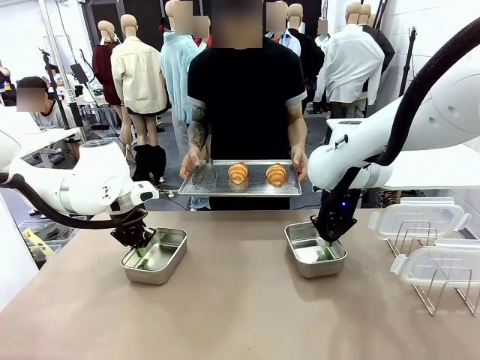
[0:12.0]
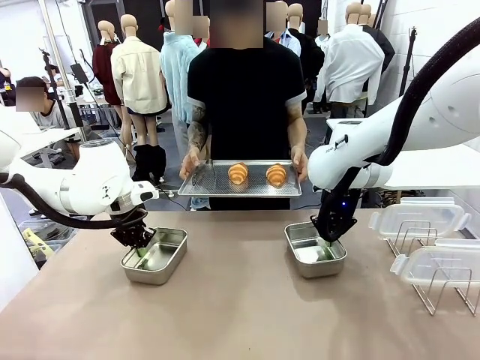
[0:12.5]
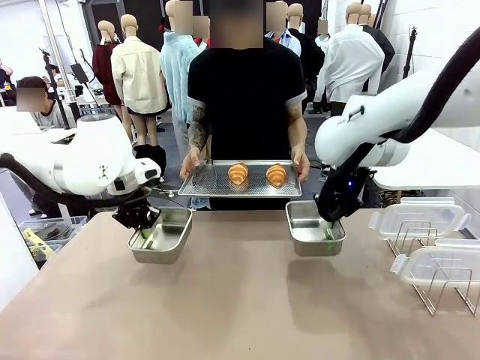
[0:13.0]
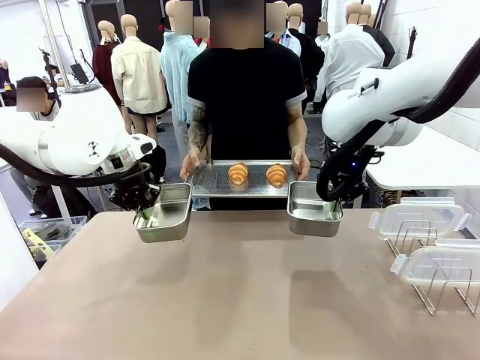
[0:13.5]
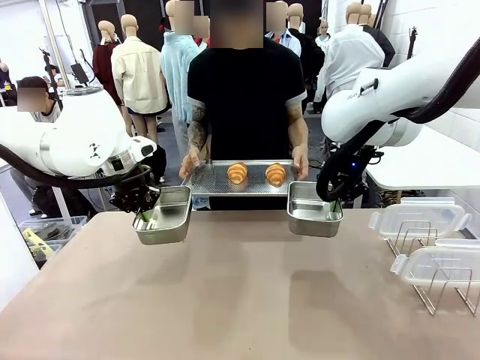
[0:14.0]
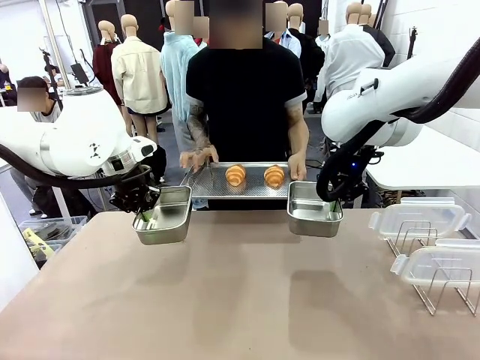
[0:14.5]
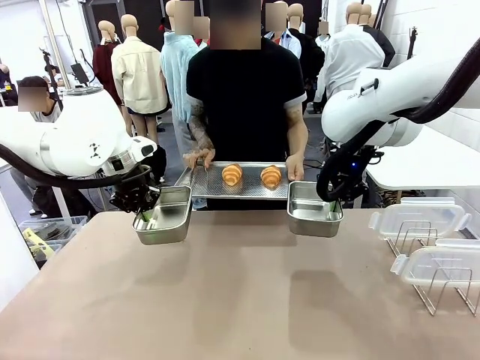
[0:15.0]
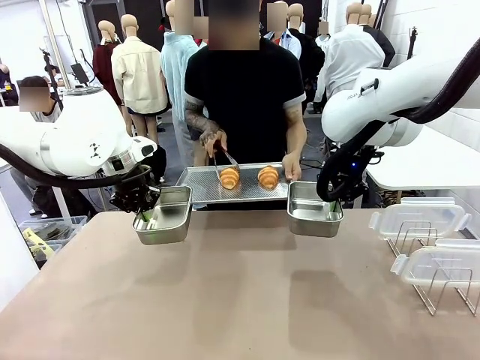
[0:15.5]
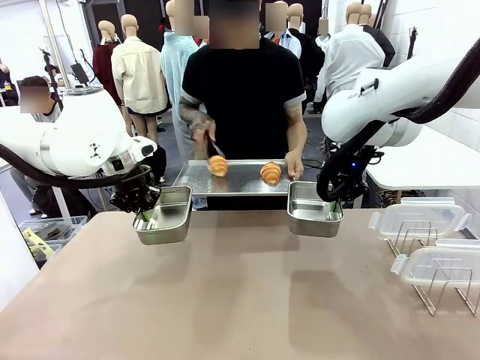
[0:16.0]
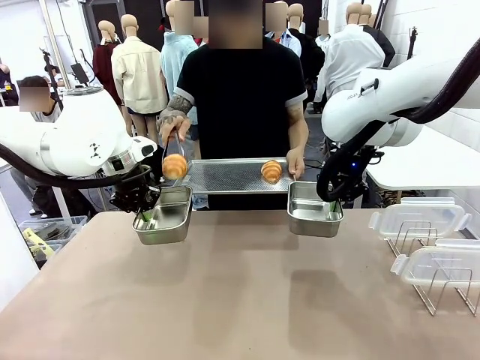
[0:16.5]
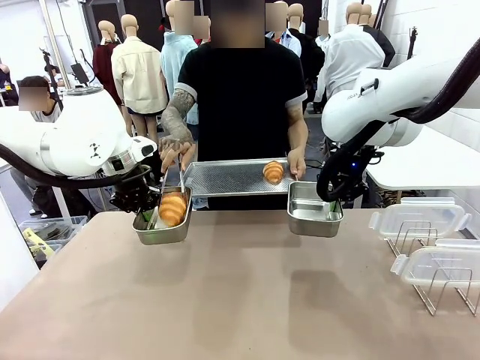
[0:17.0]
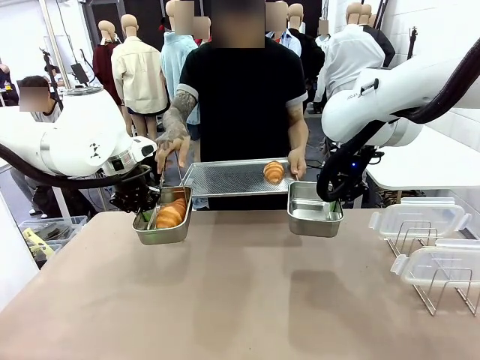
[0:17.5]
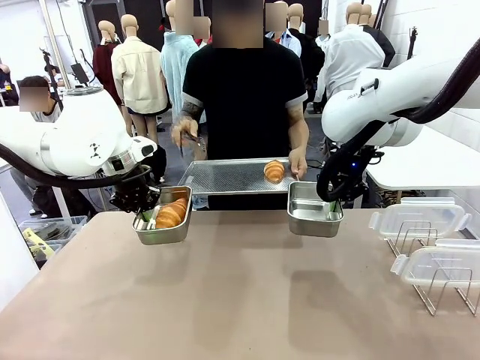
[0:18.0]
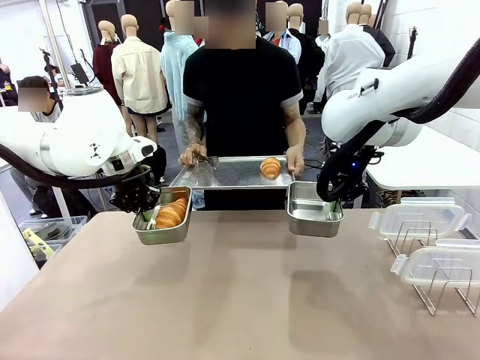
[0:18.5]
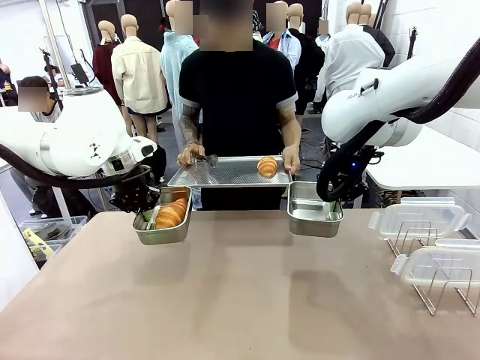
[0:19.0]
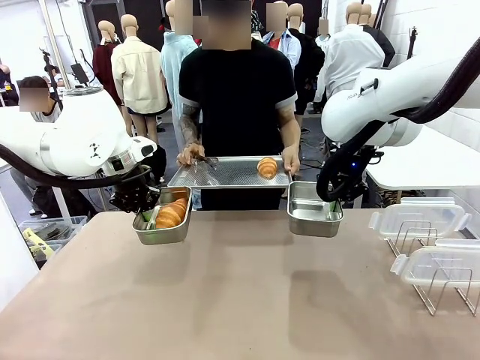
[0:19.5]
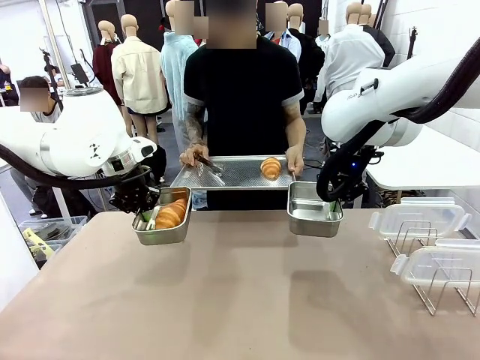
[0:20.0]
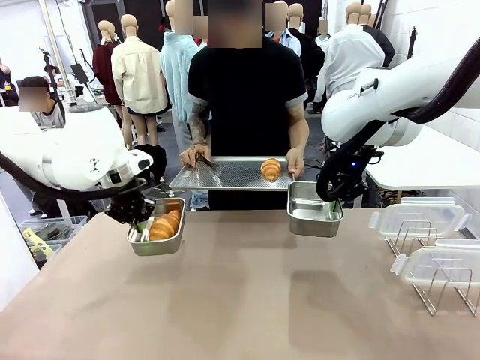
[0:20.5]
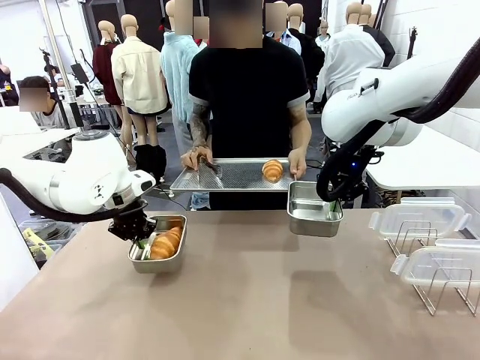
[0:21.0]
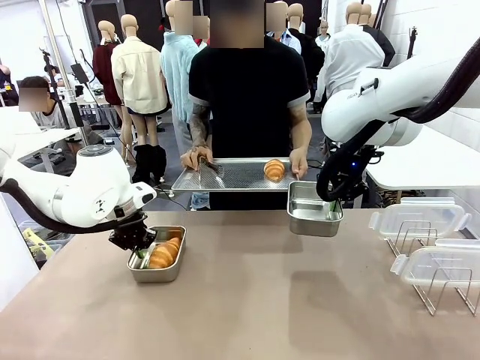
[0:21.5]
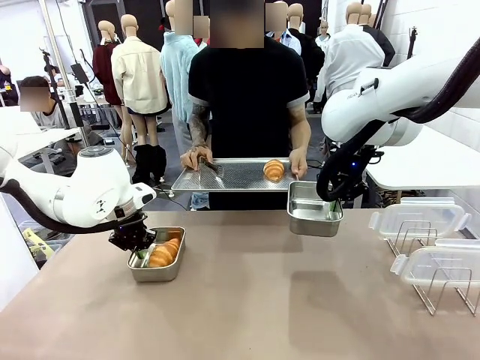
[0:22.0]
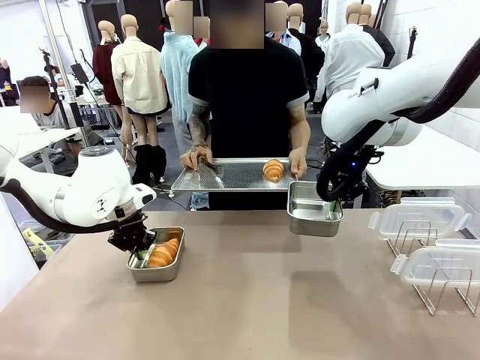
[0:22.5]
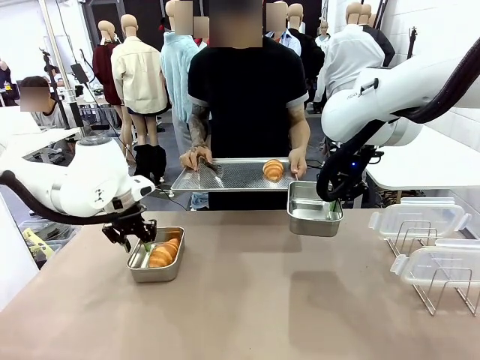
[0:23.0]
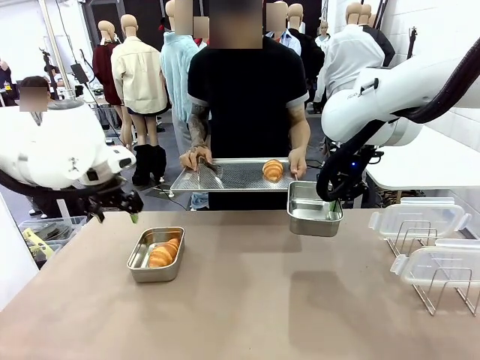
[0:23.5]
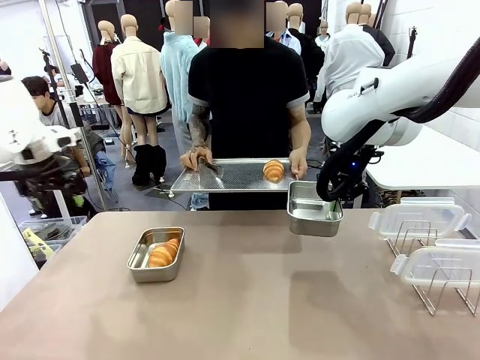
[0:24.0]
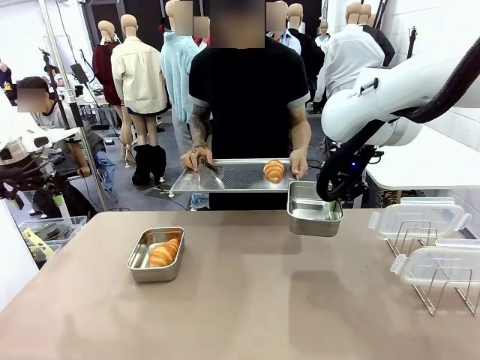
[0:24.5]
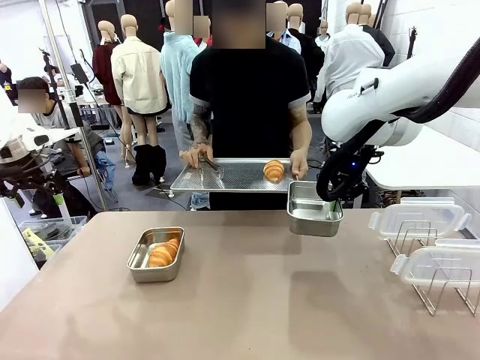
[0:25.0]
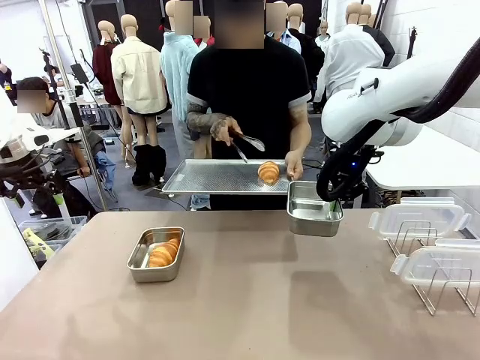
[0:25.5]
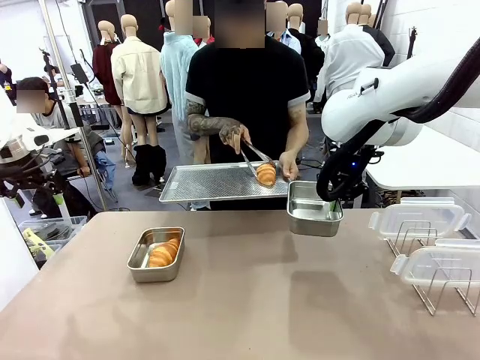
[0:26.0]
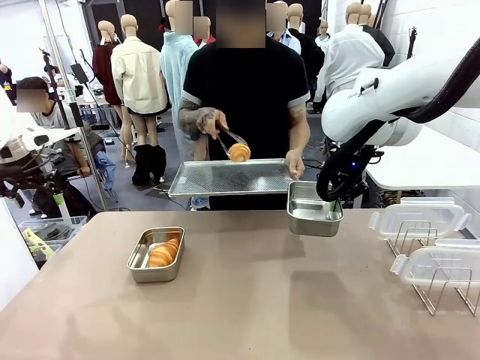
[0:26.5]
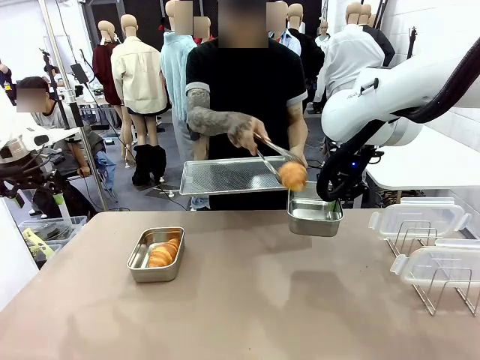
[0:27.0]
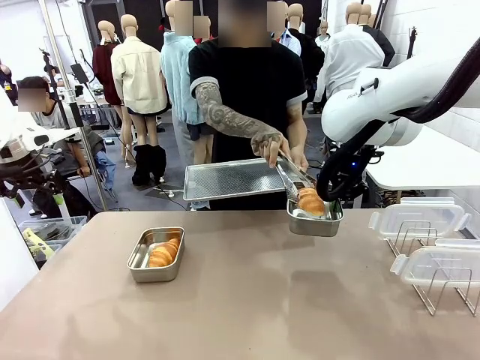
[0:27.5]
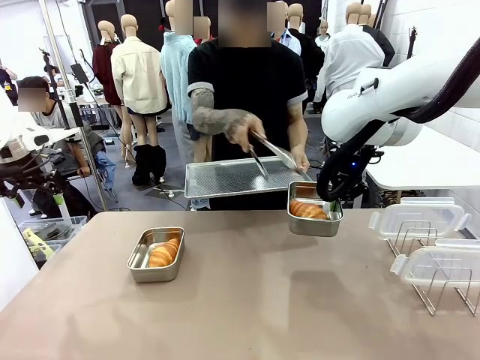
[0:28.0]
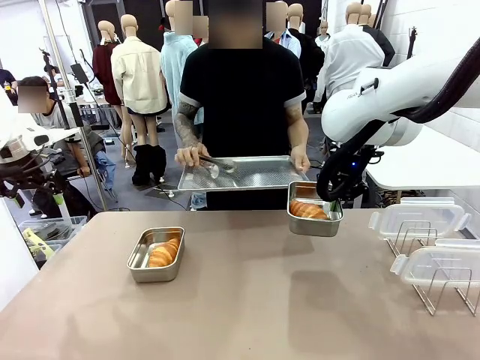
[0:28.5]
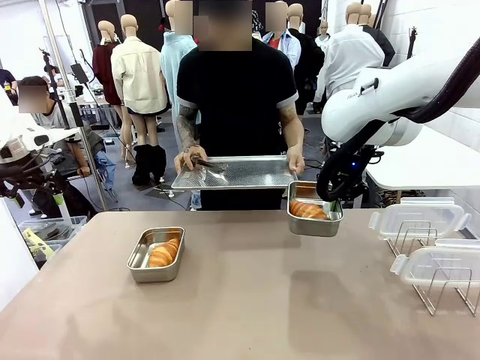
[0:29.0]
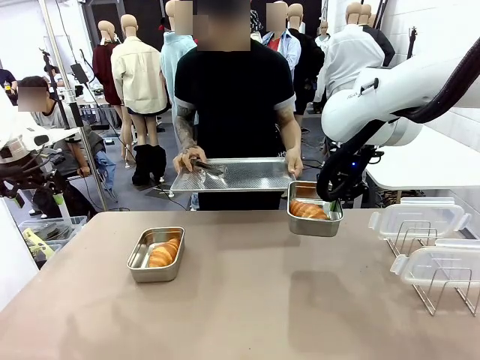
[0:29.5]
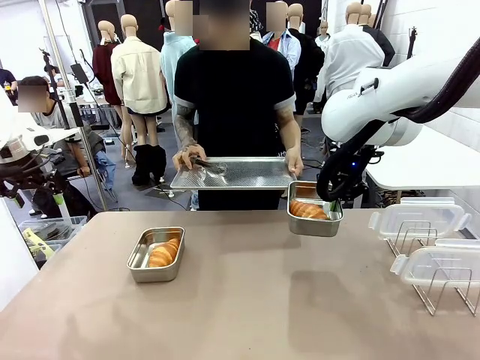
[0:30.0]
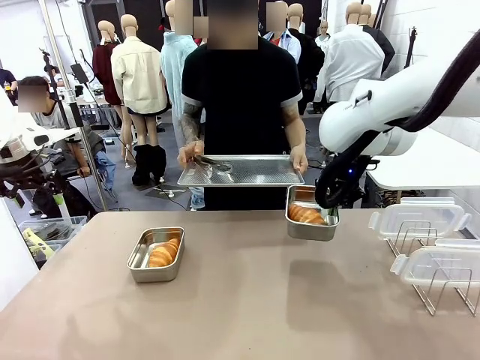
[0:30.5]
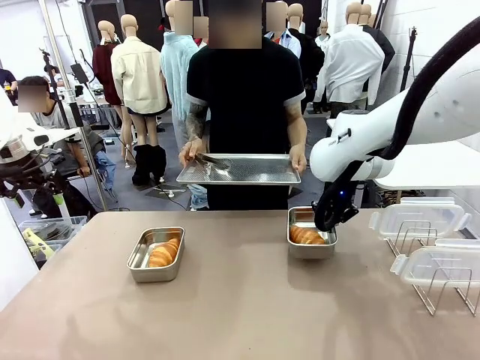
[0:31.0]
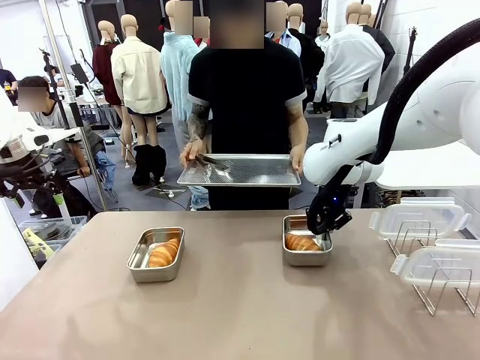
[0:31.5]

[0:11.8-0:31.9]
Task: Place the bread in airtight containers.
Robot: Once an object is inside an Airtight Container , place the container in the center of the table.
Person: Use the Stainless steel tongs to place one object from Baking Sheet into one Airtight Container.

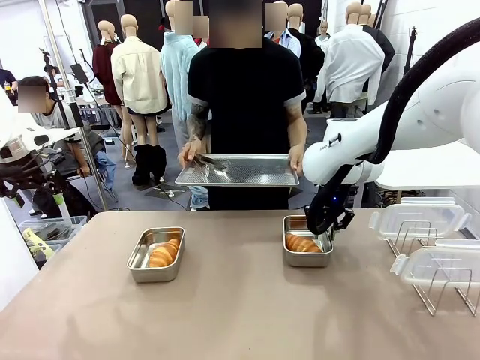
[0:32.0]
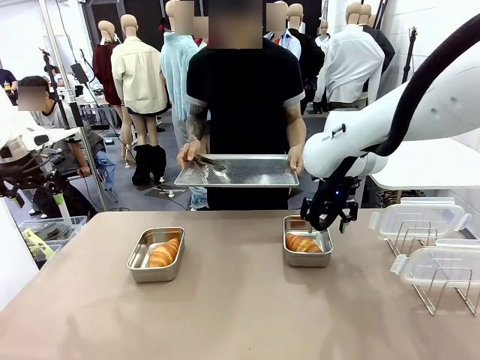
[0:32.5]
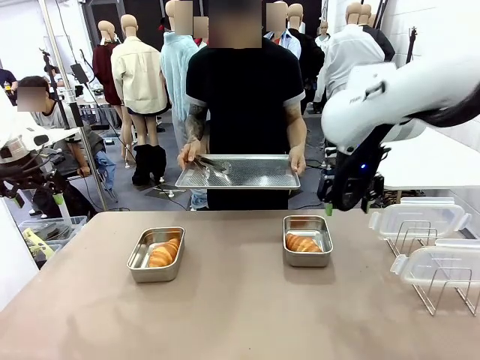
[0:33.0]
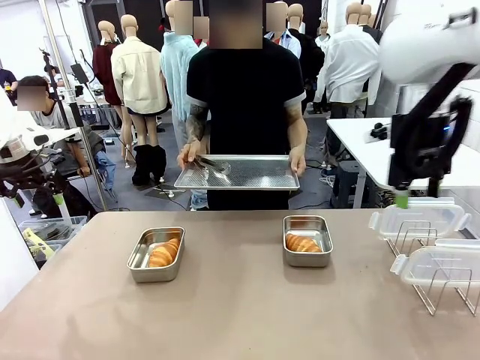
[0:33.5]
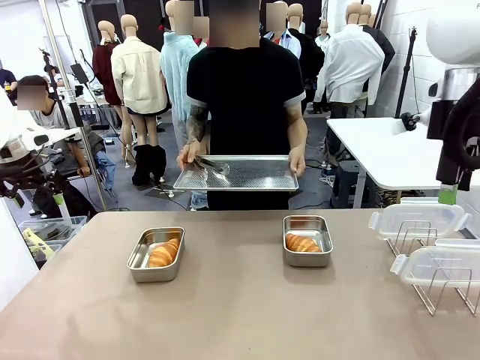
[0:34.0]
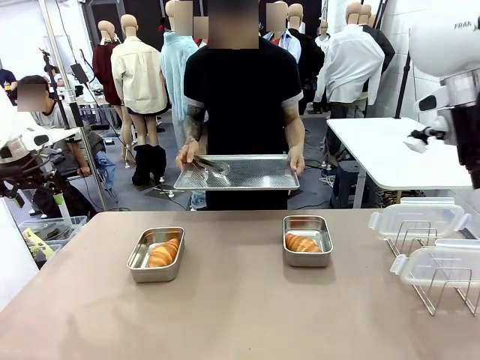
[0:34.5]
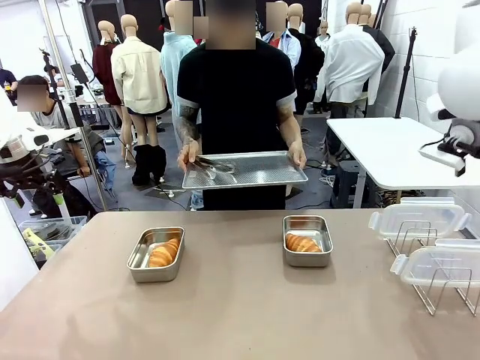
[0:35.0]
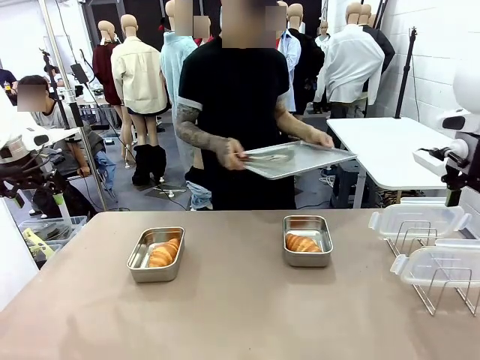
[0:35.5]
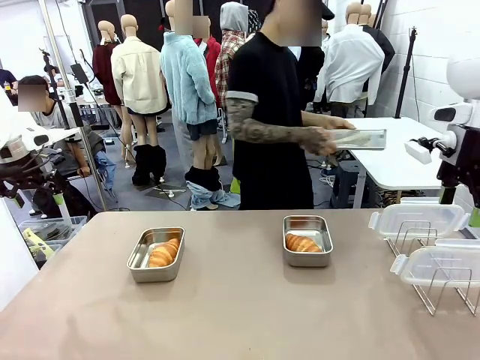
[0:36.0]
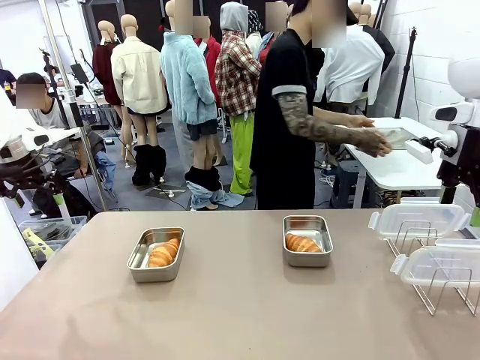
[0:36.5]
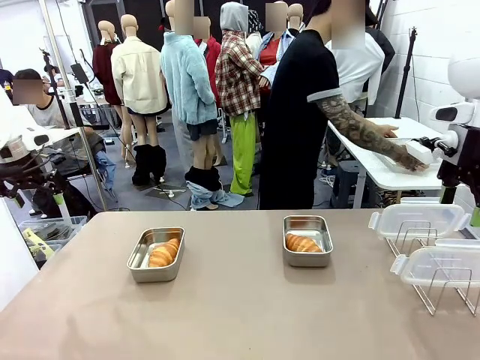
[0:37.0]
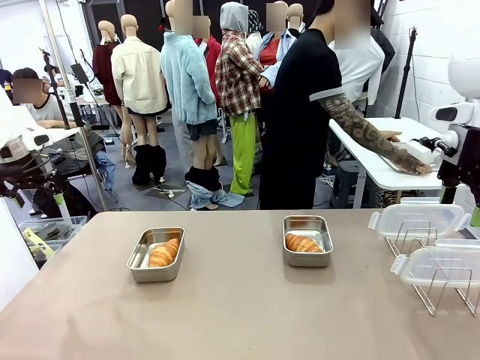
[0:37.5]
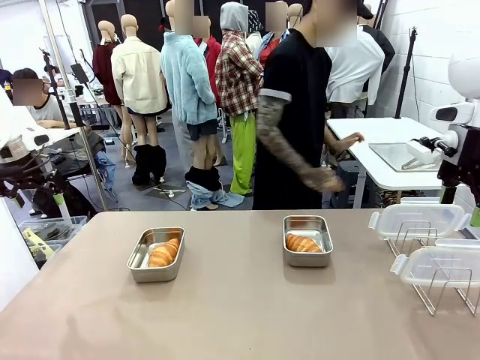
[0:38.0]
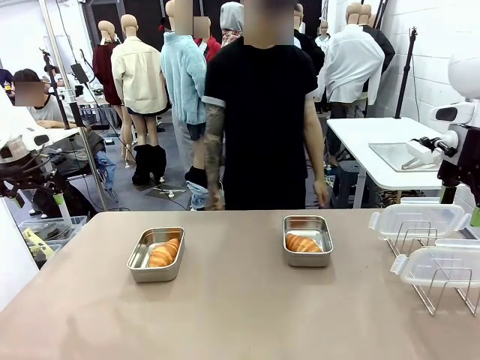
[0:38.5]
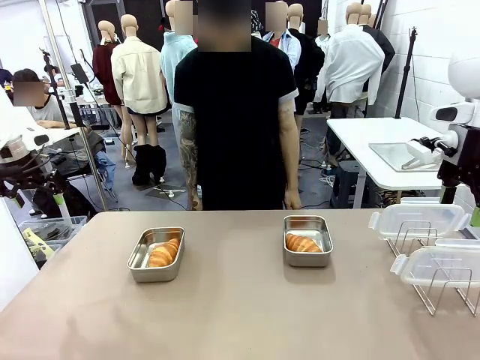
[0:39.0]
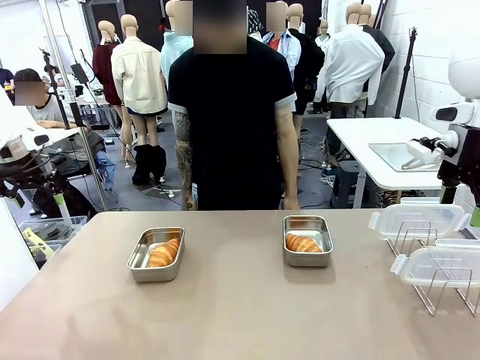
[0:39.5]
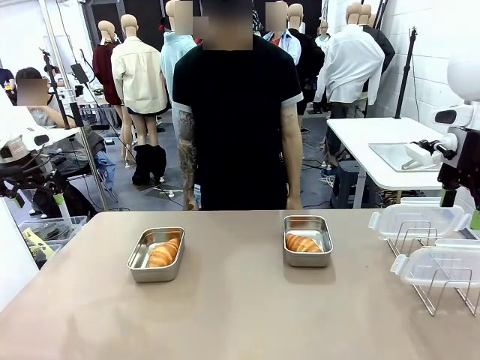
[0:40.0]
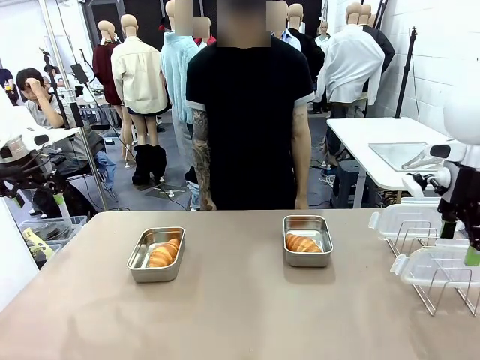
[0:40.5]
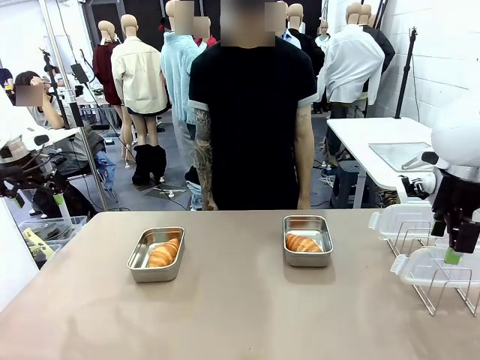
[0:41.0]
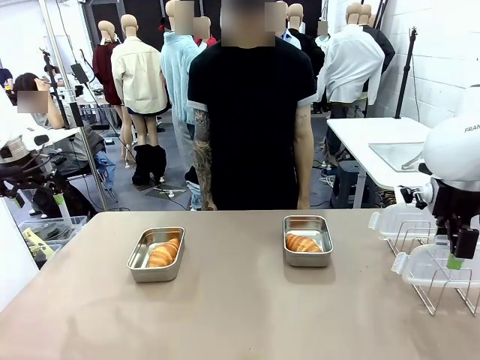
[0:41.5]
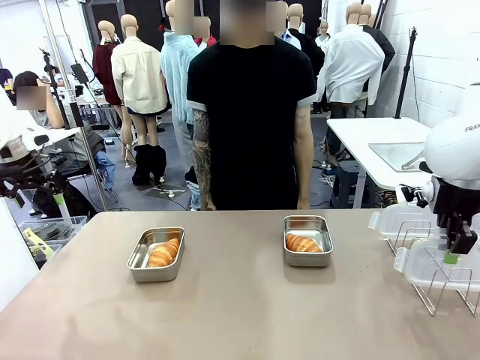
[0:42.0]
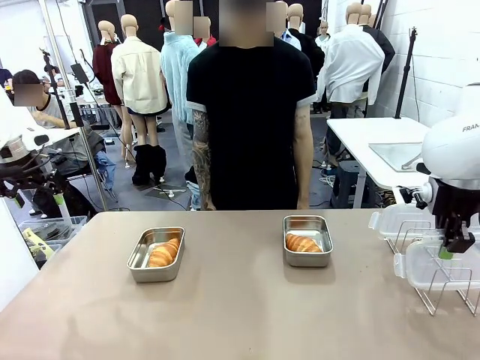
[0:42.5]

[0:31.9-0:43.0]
Robot: Pick up one Airtight Container lid and hand it to the human.
Person: Place Baking Sheet on the Human's Table.
